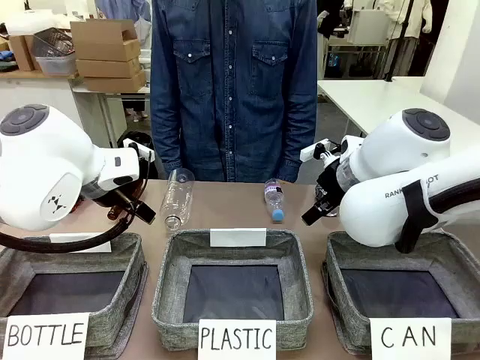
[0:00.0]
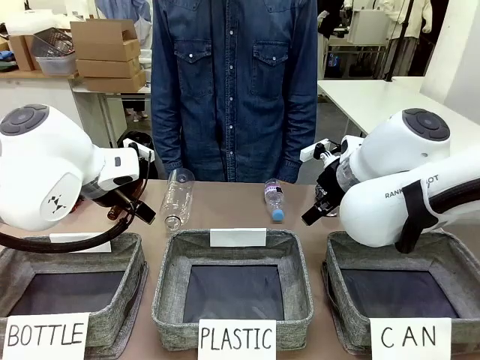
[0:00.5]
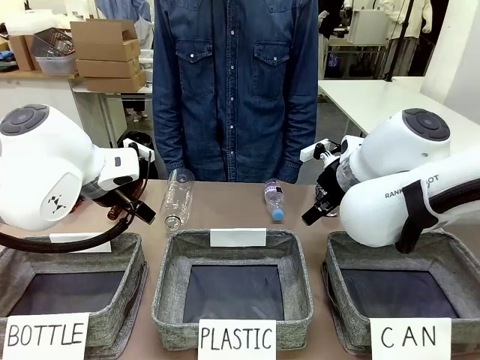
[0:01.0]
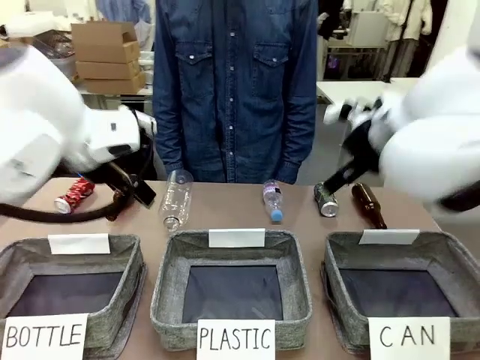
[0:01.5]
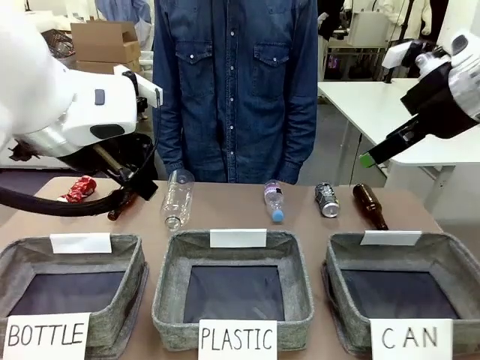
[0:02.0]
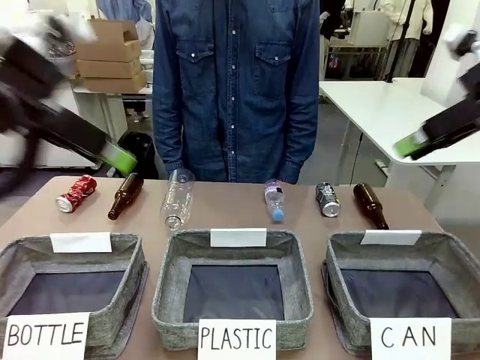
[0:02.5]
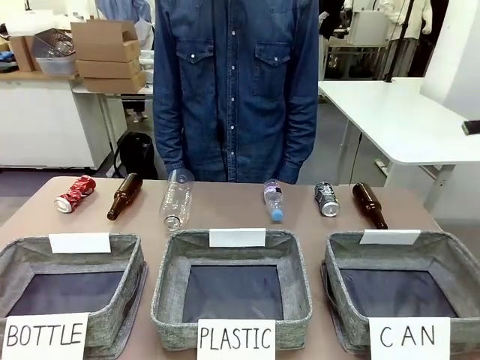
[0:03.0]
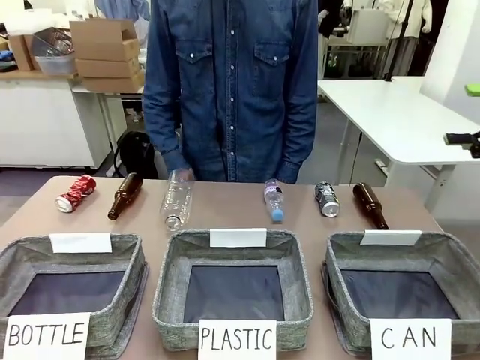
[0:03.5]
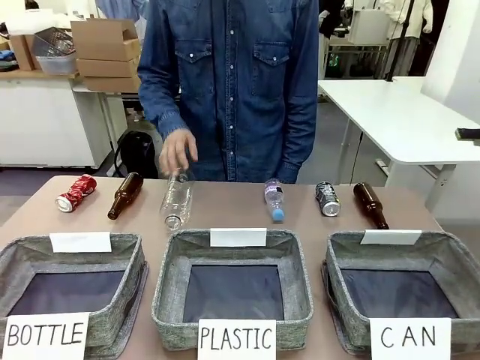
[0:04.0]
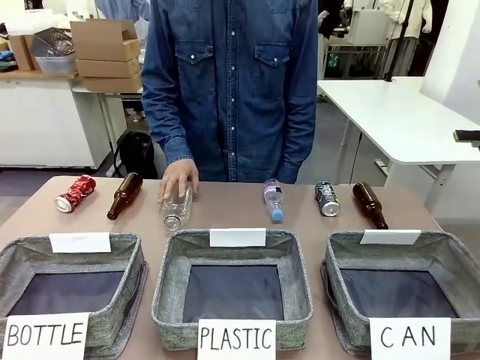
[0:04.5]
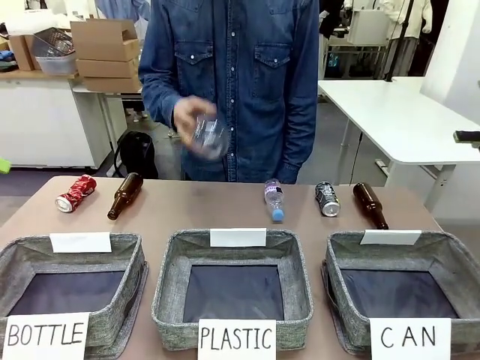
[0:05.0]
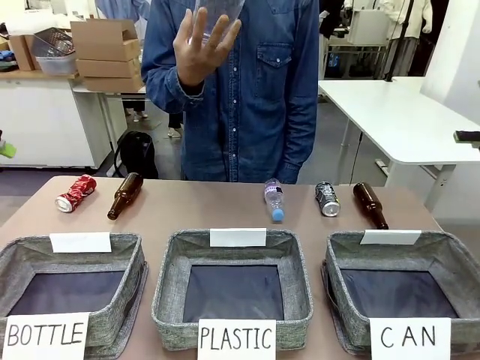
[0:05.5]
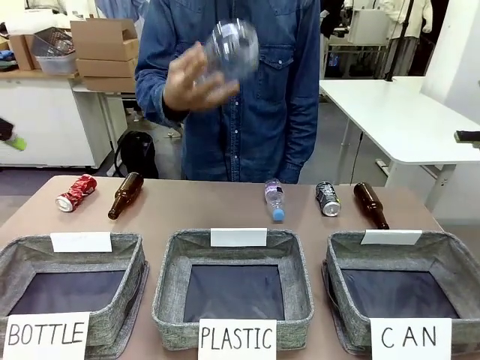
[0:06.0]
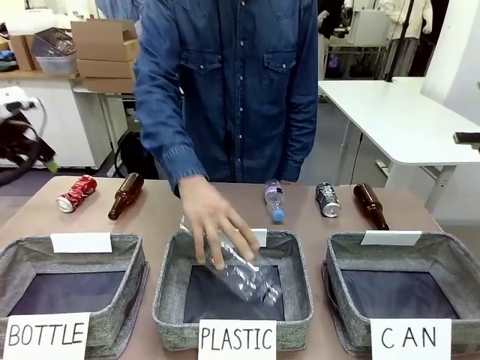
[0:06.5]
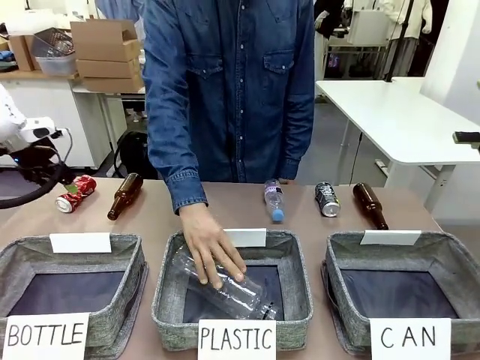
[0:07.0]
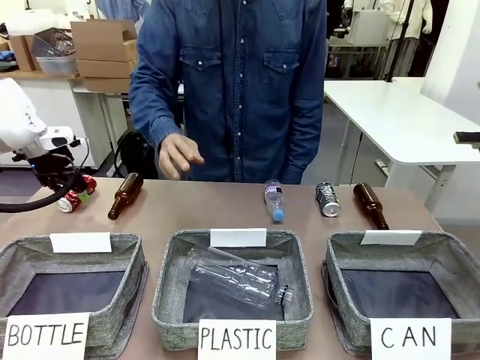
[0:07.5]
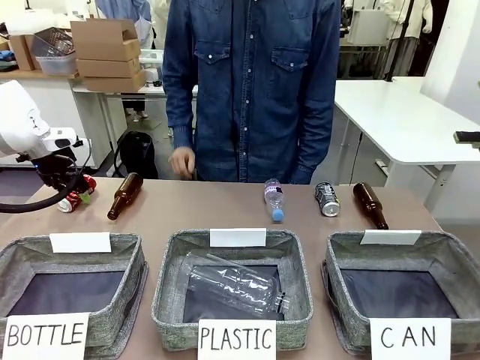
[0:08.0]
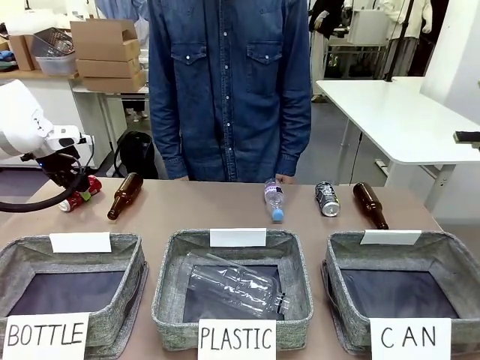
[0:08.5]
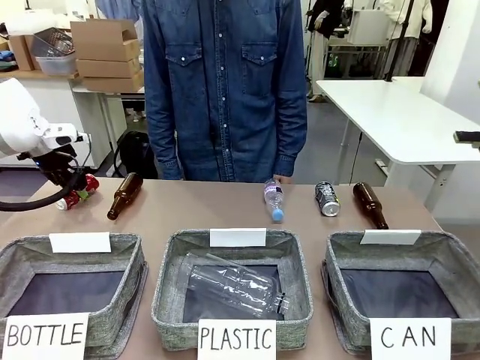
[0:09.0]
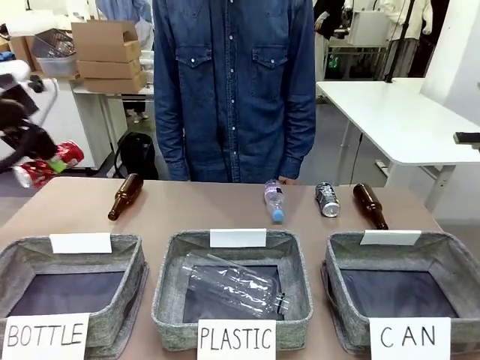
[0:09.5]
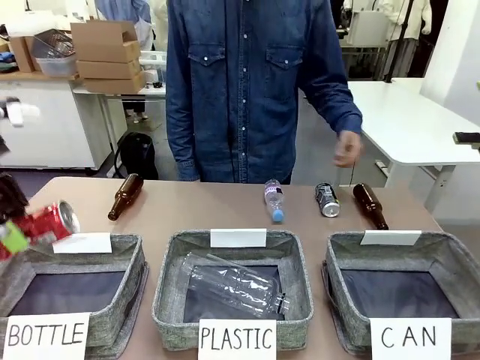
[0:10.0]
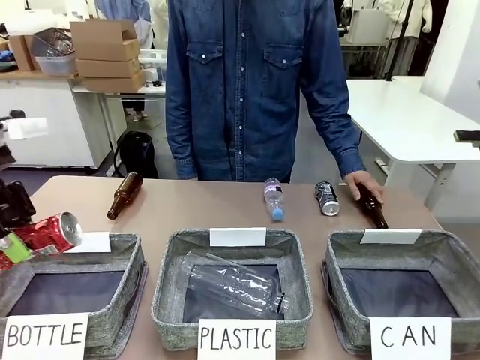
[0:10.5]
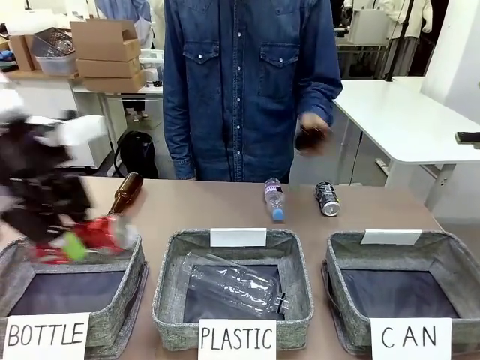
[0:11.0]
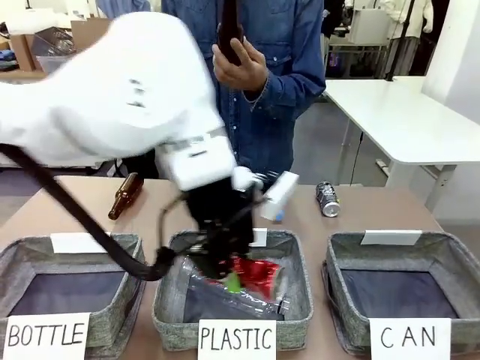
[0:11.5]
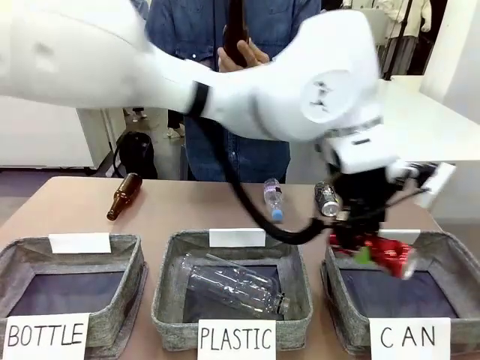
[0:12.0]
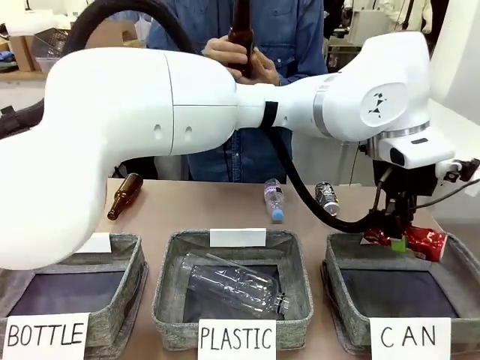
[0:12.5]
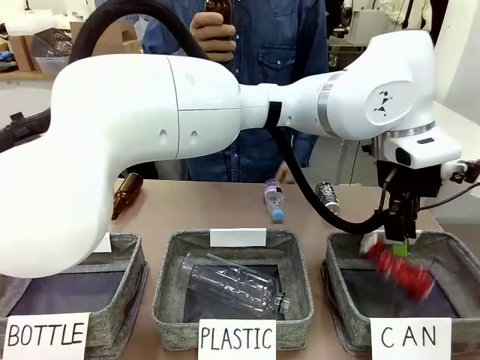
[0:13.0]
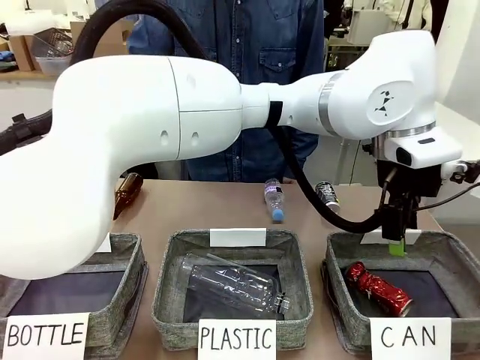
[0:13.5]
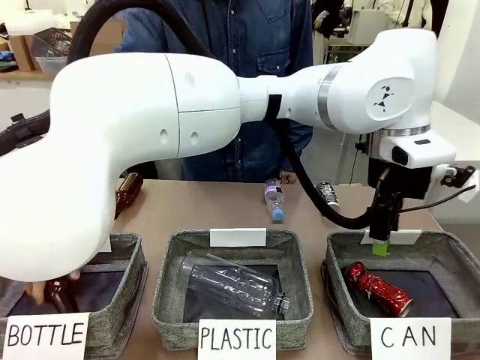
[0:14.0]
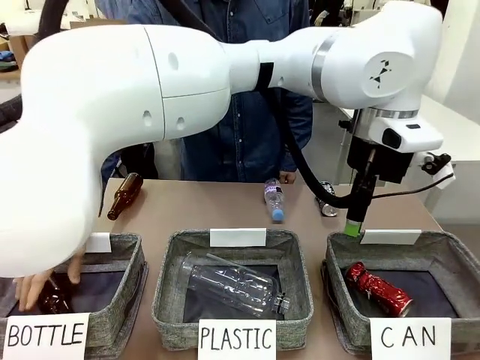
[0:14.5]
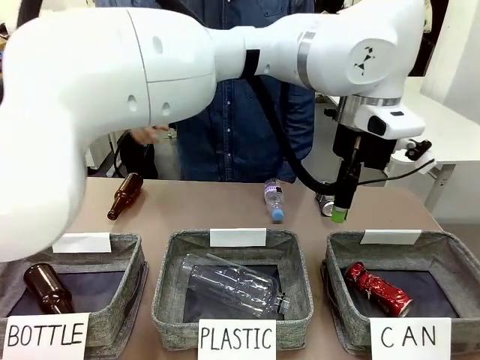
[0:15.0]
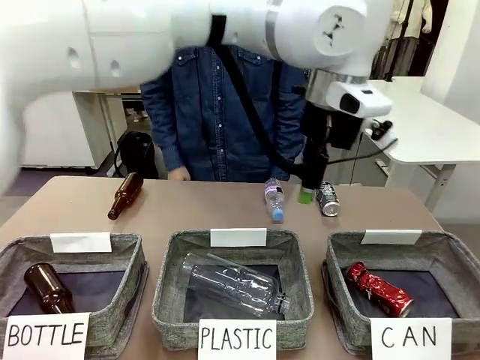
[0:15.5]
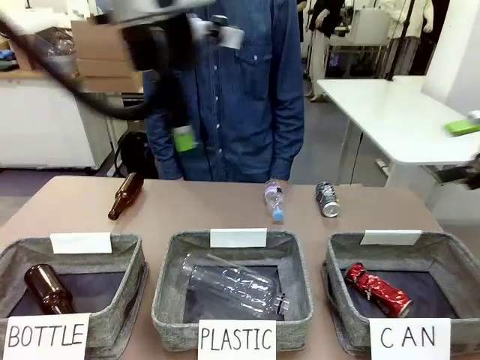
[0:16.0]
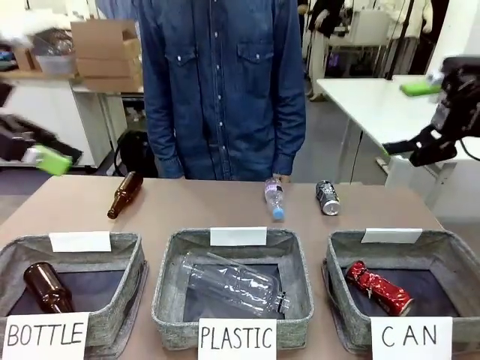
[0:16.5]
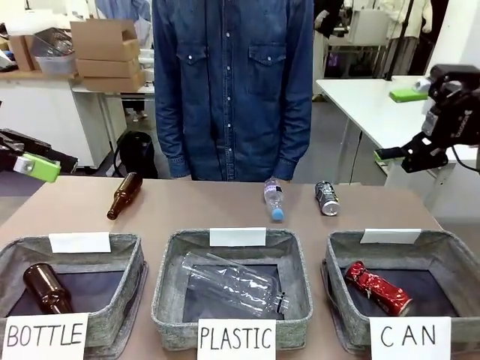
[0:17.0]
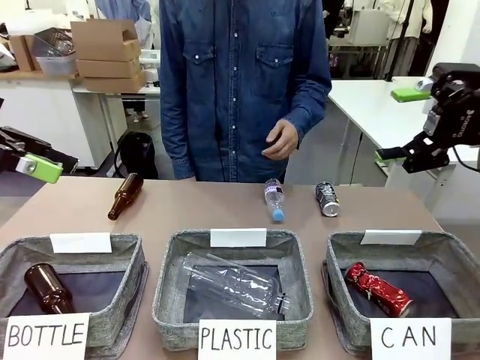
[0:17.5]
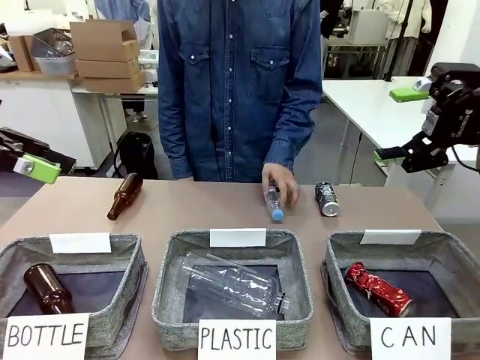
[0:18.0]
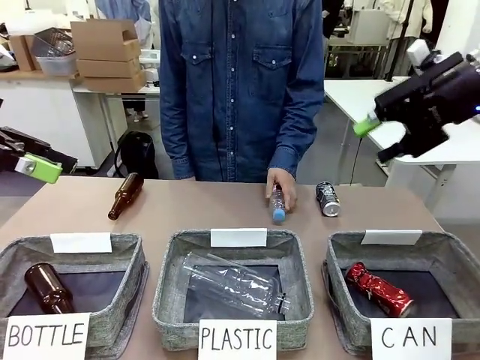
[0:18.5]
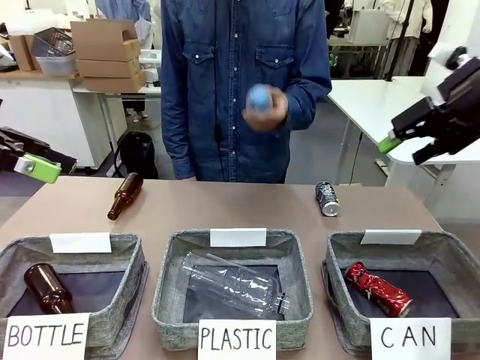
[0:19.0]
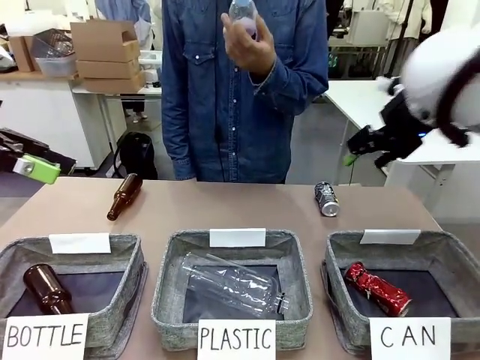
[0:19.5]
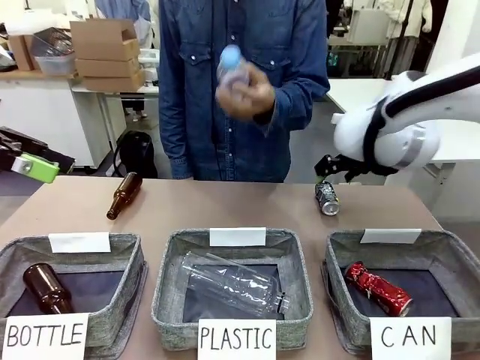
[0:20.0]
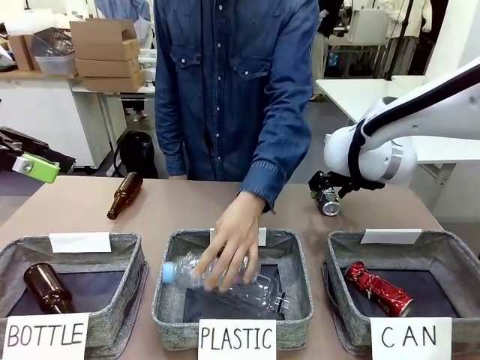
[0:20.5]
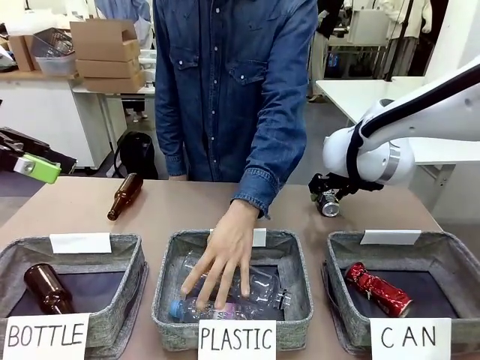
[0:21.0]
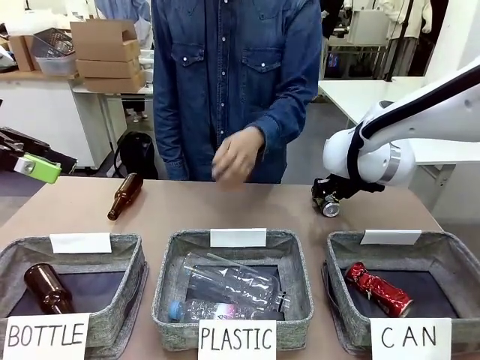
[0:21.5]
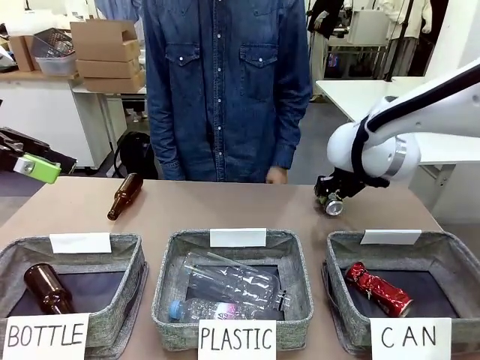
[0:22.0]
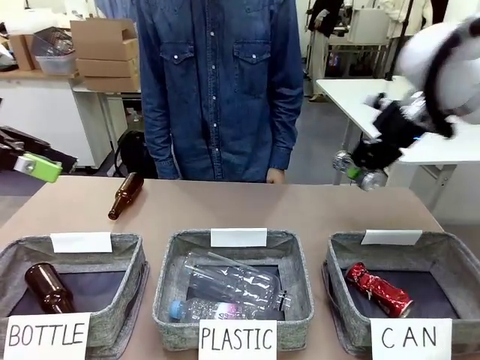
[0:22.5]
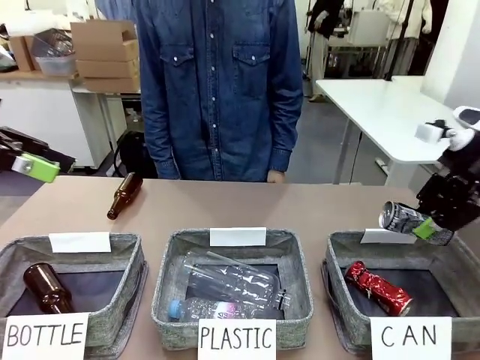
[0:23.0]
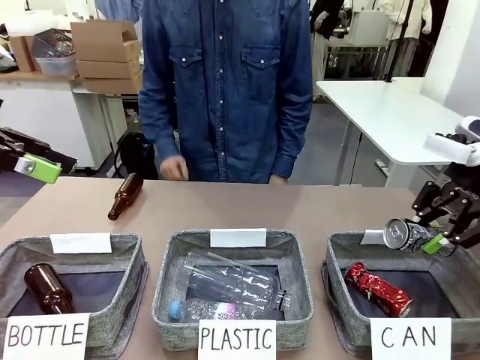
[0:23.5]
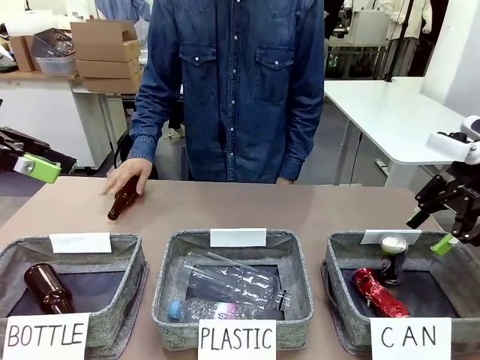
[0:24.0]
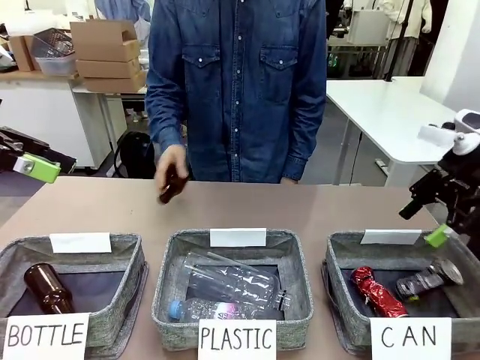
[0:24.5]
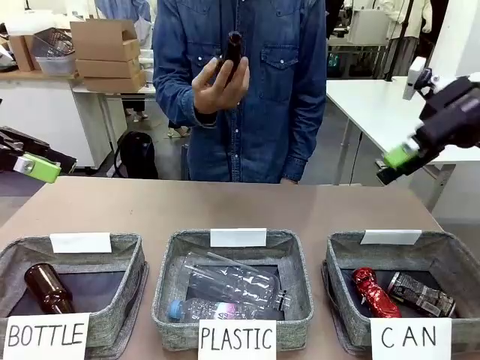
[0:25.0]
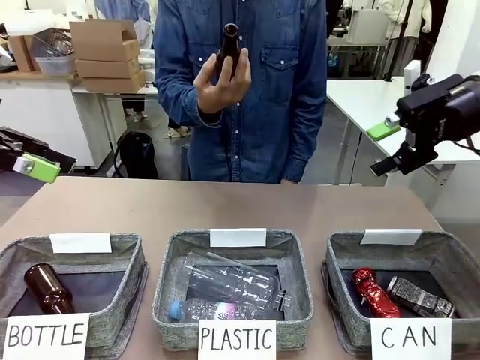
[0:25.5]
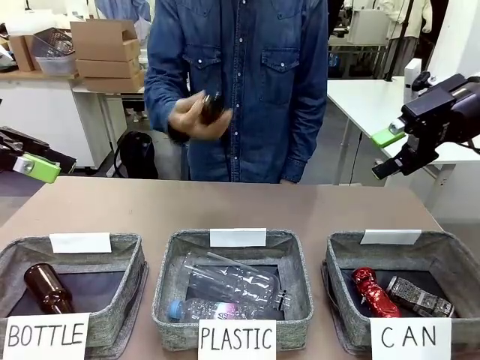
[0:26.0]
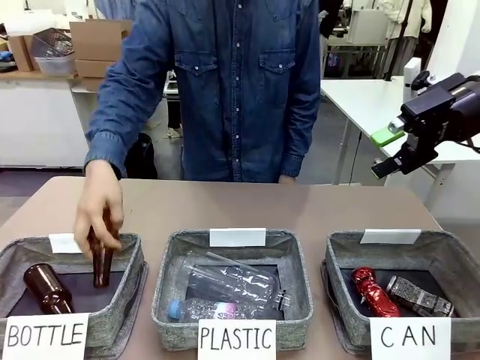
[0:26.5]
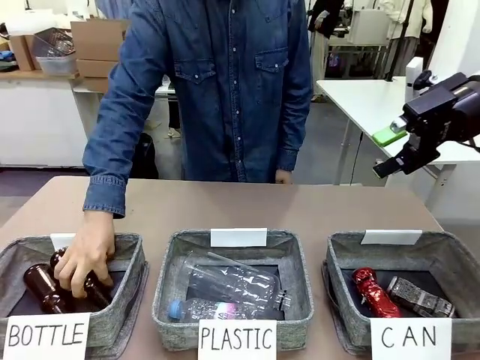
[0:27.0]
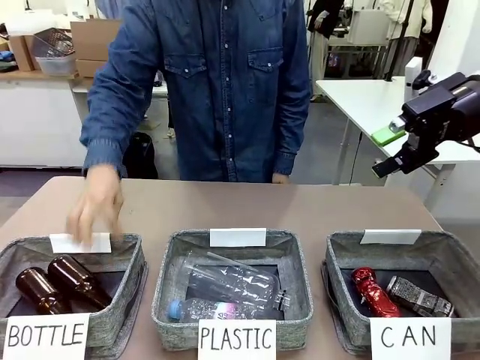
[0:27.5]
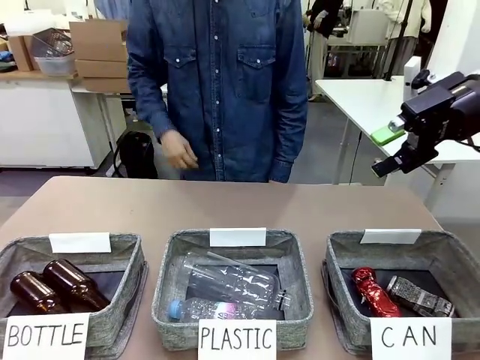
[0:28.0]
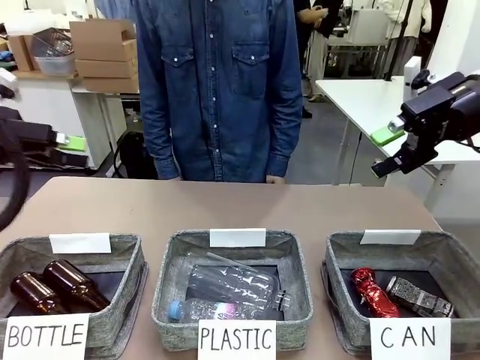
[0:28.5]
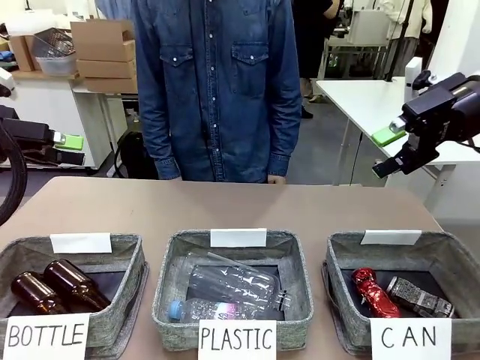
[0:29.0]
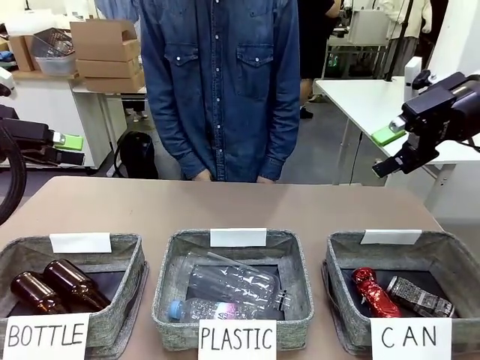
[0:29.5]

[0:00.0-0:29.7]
Task: Sort the can waste into the basket.
Robot: Pick up the can waste from the table and place it in the right Fabric basket.
Person: The human picks up one piece of trash that is not a can and places the trash into the appropriate organizing basket.
